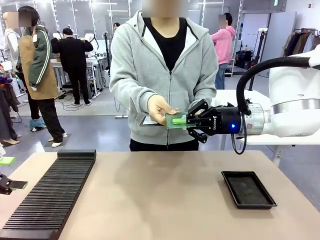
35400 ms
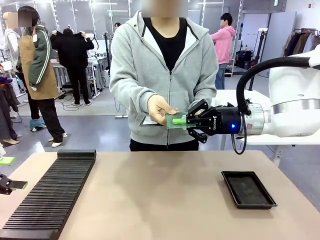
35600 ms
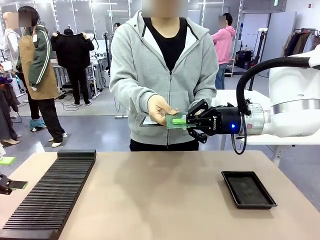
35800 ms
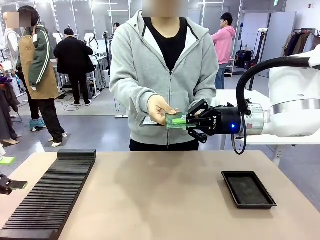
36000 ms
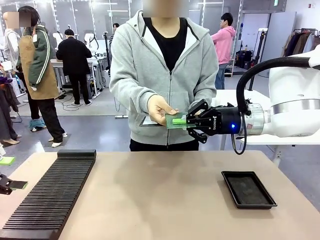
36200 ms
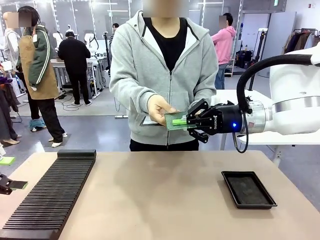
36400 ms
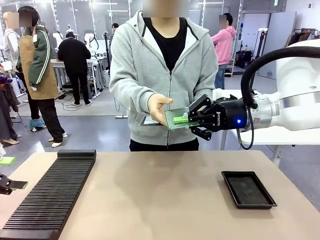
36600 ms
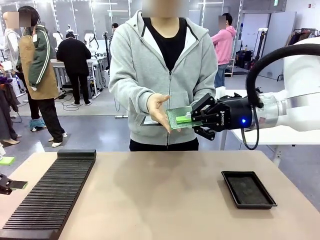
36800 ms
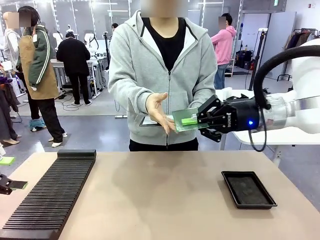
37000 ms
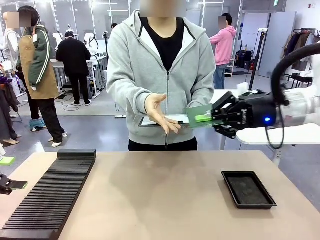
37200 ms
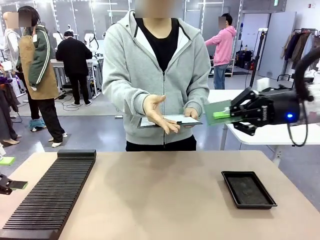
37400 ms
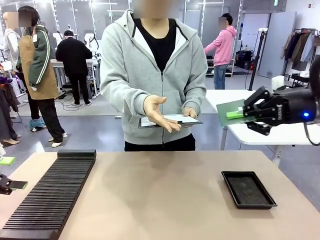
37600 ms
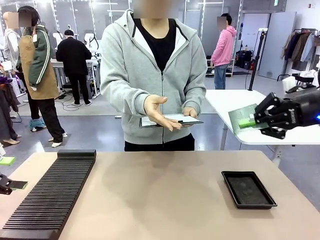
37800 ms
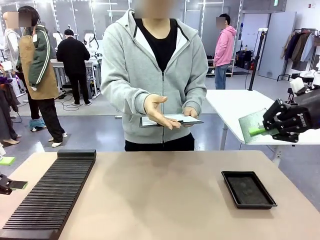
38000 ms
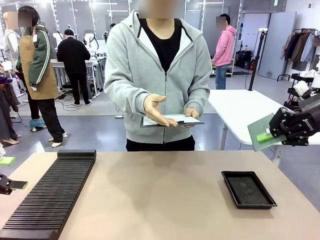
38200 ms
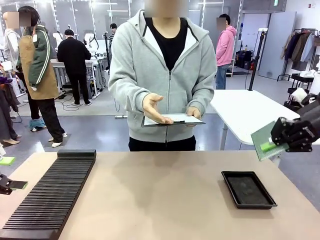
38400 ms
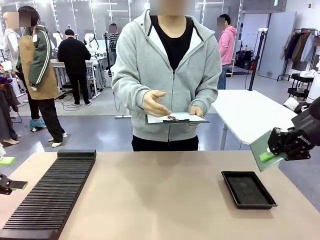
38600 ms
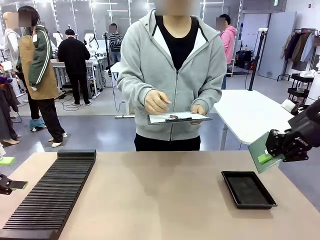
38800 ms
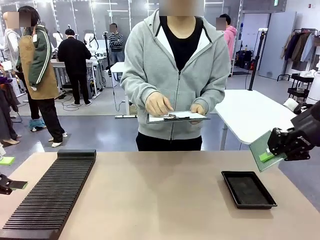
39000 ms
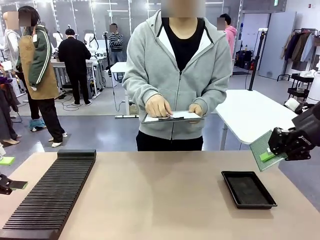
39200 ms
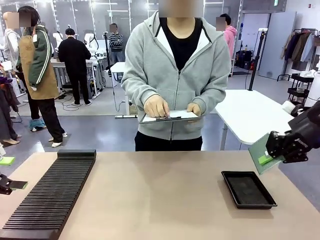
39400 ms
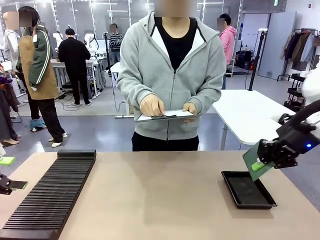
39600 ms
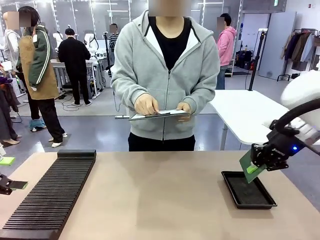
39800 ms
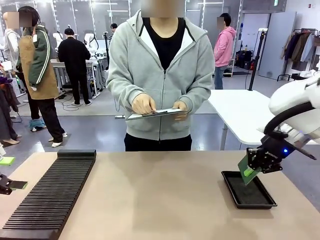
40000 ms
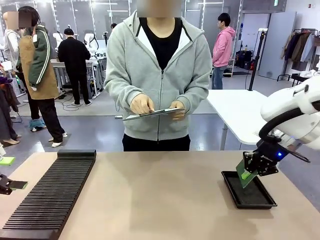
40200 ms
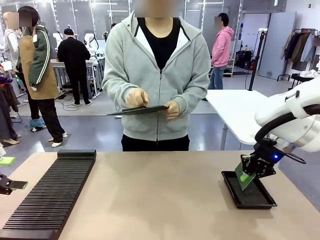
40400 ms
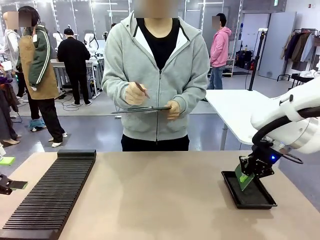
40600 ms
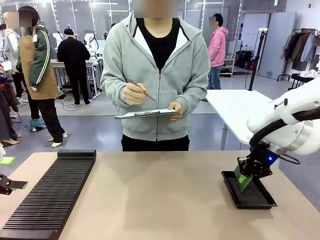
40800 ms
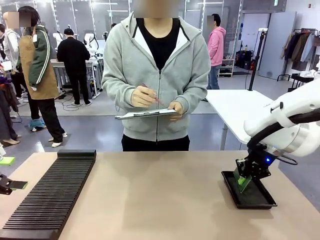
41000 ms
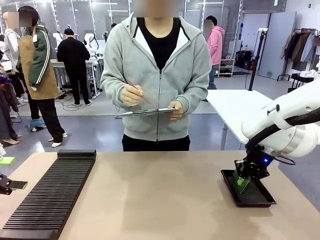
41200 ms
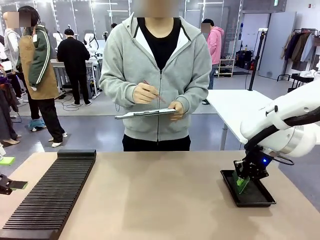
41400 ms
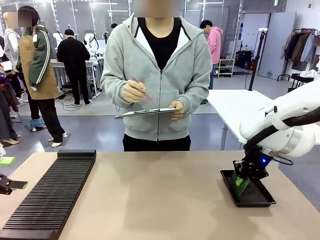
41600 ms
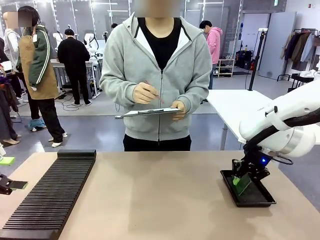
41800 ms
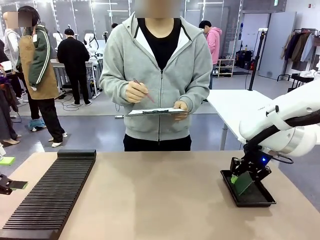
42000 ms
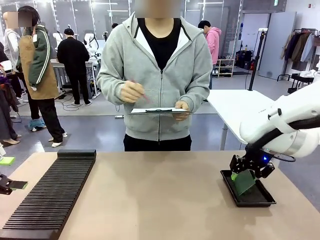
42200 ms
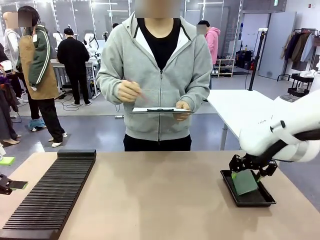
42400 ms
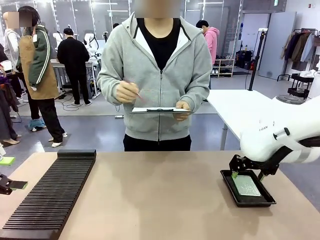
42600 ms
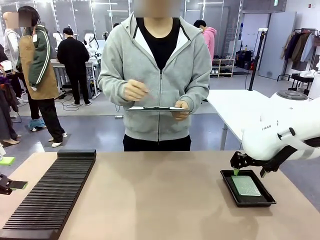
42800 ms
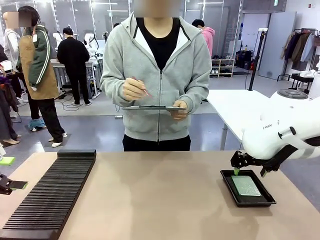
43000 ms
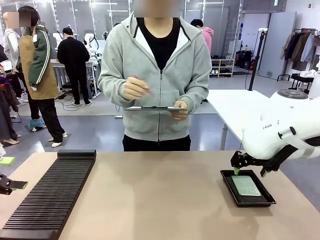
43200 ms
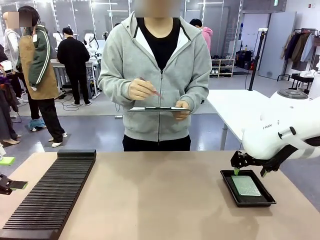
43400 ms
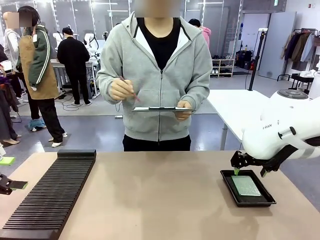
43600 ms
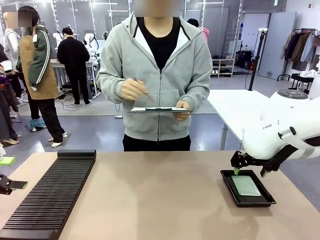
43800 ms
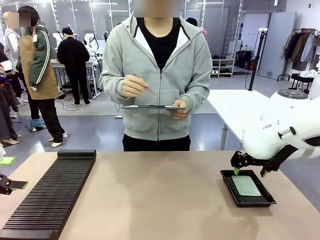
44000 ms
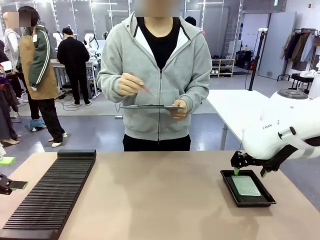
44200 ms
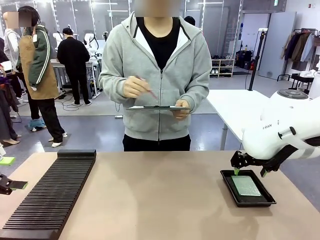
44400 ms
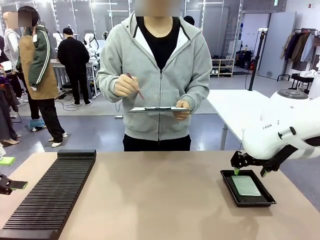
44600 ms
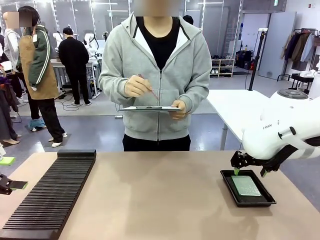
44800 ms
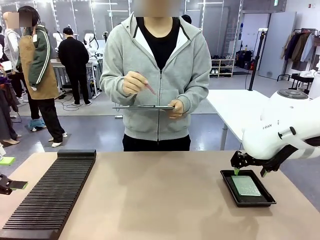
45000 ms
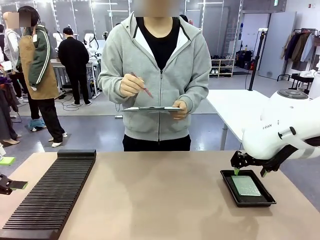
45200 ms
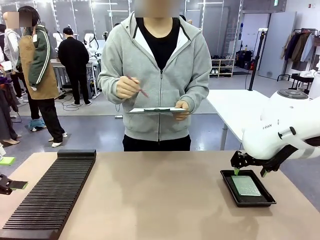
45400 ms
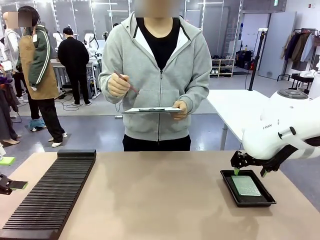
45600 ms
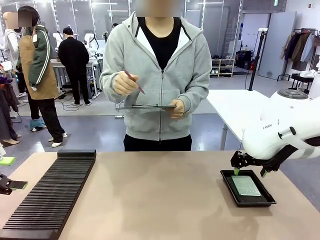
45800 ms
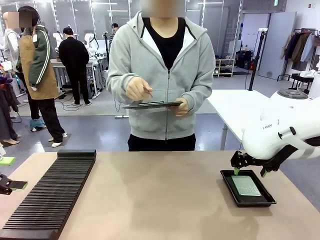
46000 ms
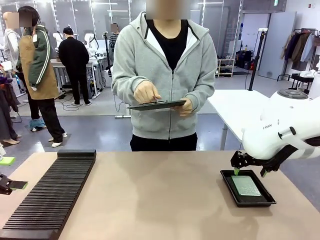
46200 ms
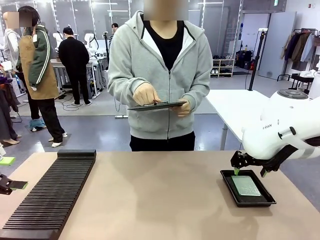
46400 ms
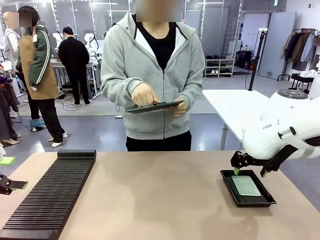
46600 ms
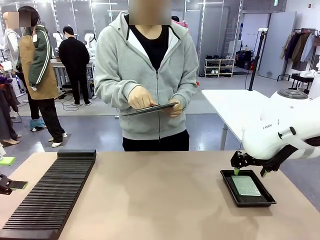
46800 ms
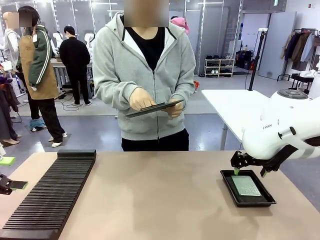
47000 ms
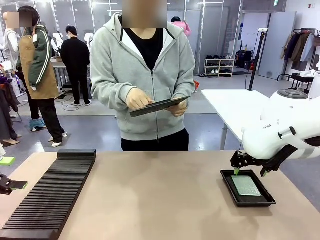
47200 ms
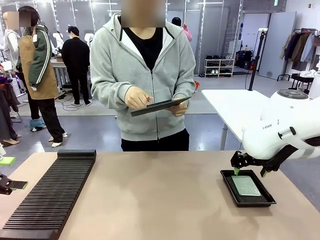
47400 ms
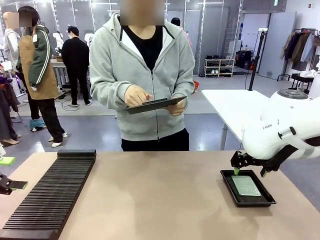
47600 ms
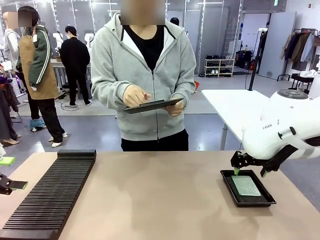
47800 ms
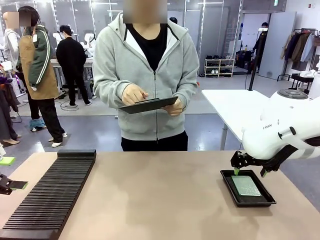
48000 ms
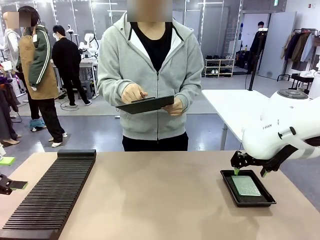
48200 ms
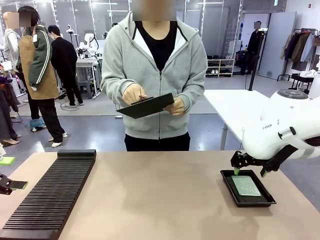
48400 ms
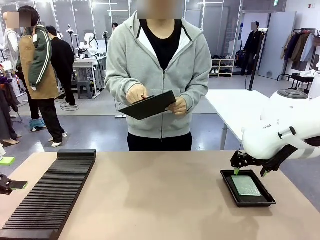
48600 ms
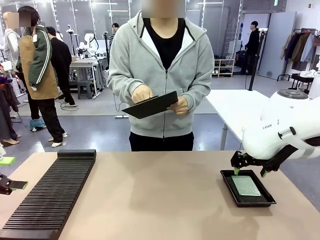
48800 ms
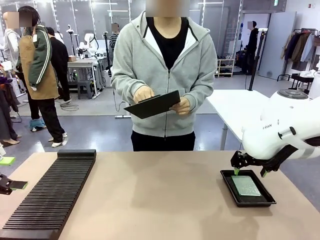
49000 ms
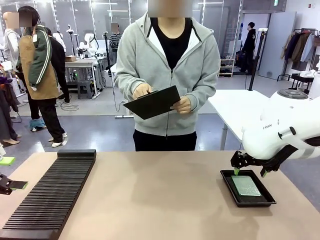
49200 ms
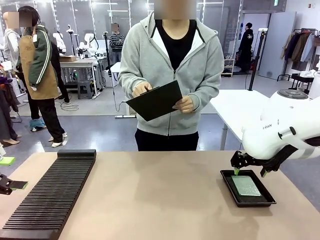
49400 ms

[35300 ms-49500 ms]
Task: Inspect the PCB.
Robot: Place the Blank PCB in the ESD tray.
Person: Record the PCB status on the paper.

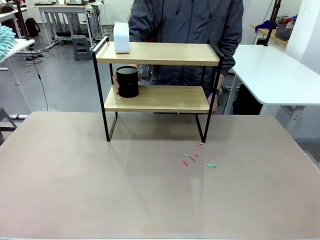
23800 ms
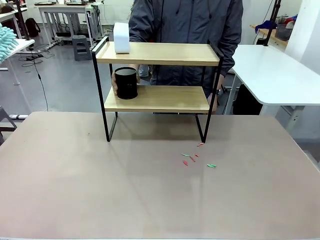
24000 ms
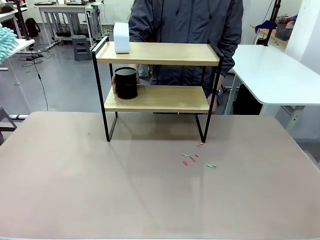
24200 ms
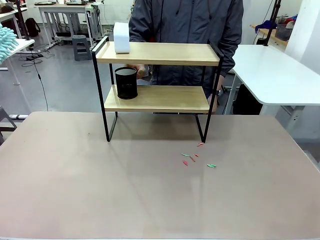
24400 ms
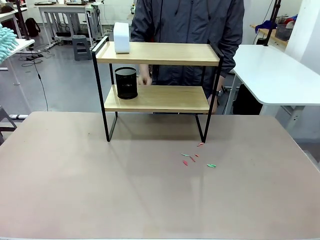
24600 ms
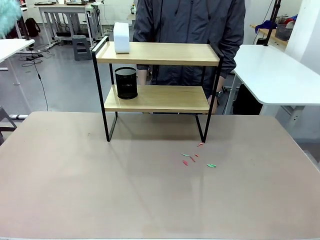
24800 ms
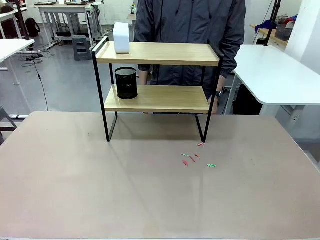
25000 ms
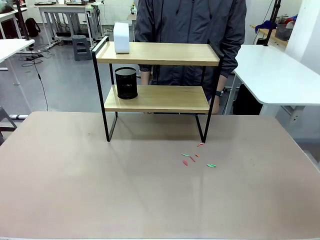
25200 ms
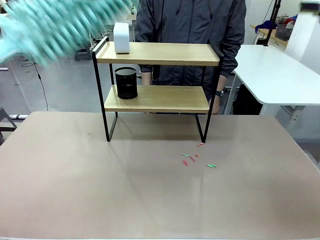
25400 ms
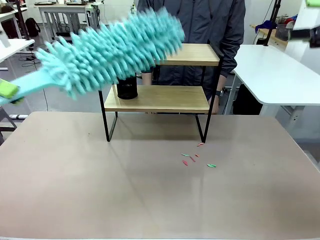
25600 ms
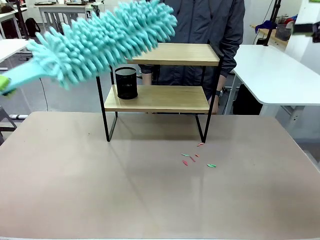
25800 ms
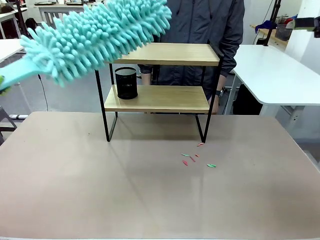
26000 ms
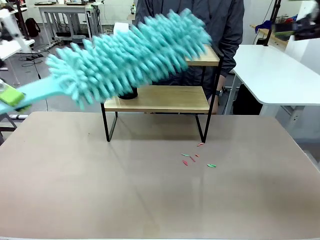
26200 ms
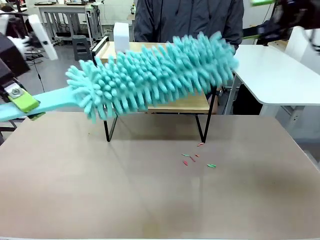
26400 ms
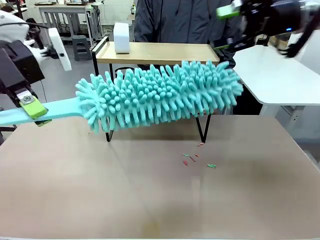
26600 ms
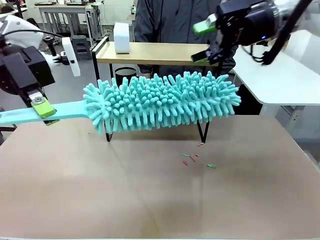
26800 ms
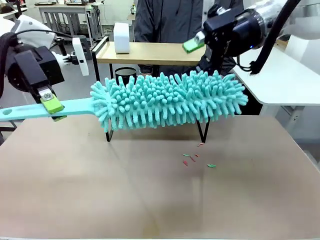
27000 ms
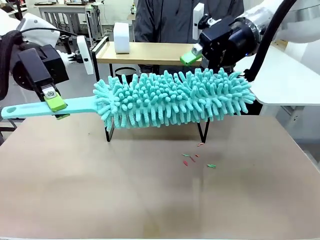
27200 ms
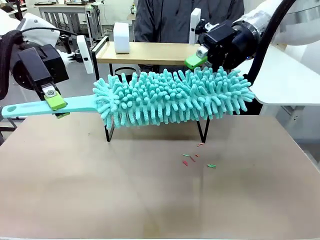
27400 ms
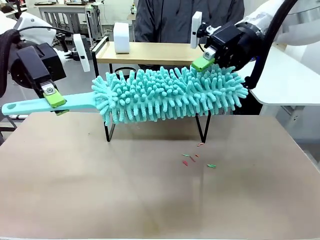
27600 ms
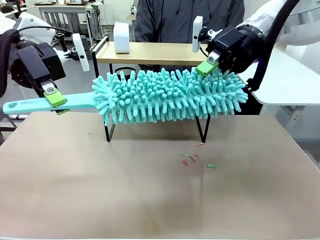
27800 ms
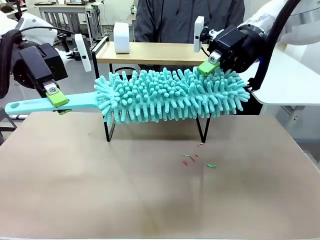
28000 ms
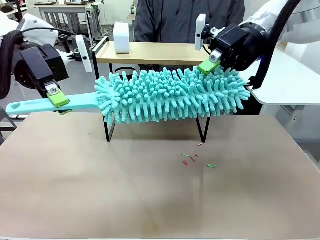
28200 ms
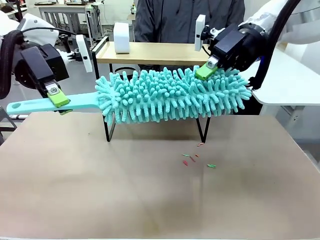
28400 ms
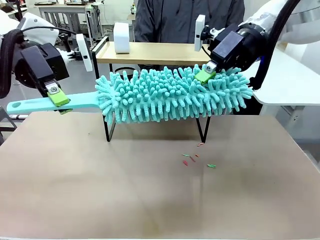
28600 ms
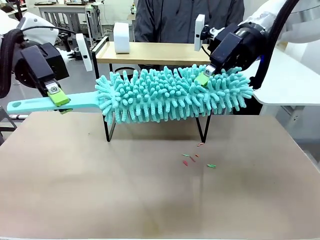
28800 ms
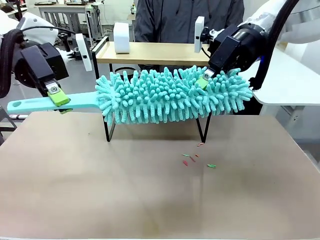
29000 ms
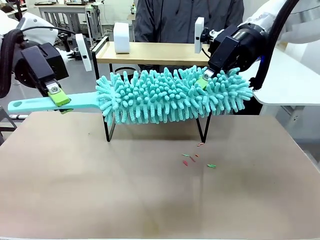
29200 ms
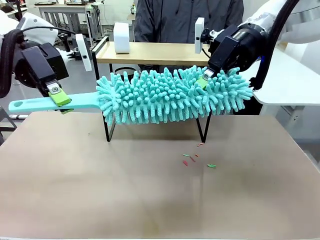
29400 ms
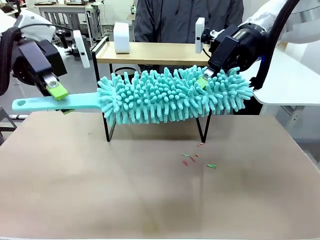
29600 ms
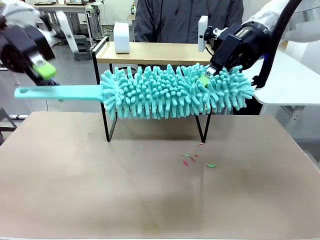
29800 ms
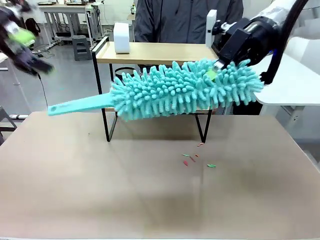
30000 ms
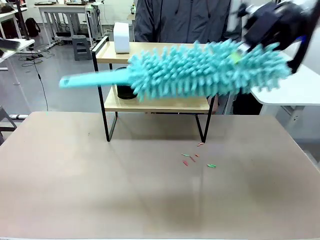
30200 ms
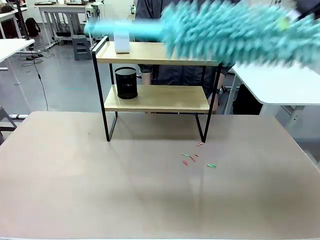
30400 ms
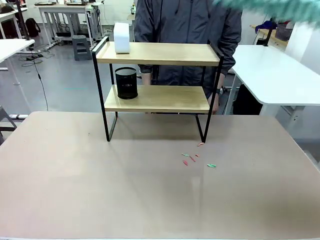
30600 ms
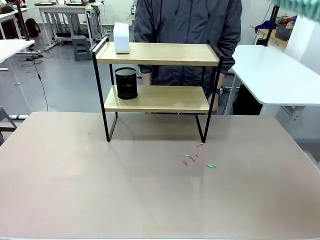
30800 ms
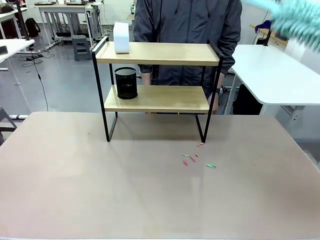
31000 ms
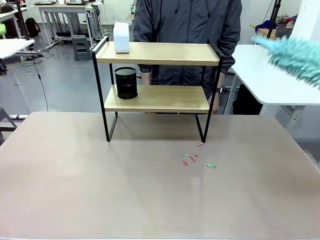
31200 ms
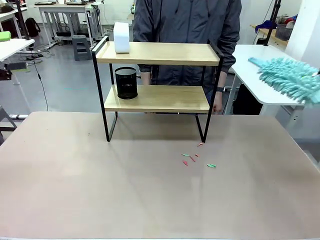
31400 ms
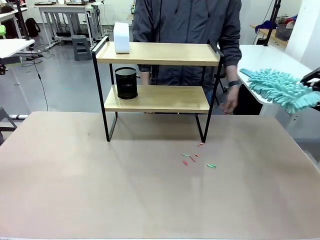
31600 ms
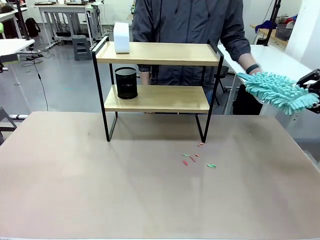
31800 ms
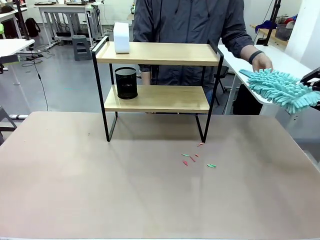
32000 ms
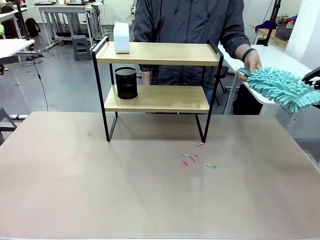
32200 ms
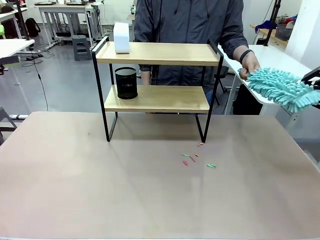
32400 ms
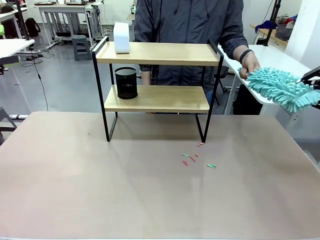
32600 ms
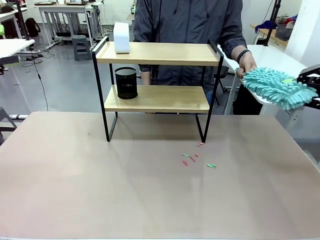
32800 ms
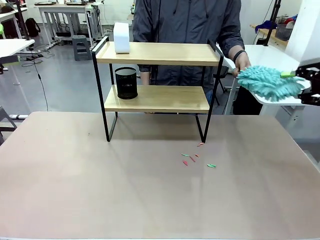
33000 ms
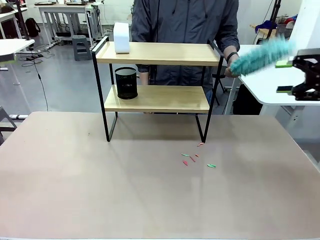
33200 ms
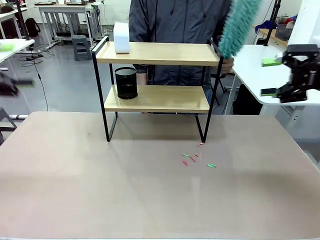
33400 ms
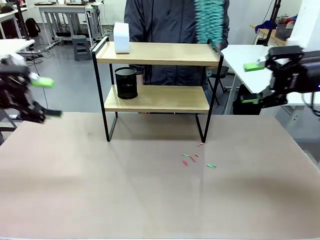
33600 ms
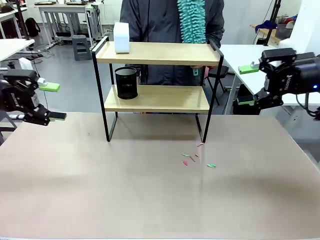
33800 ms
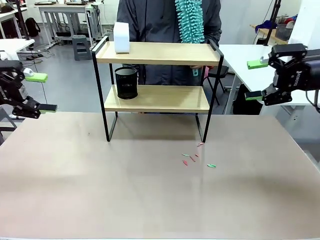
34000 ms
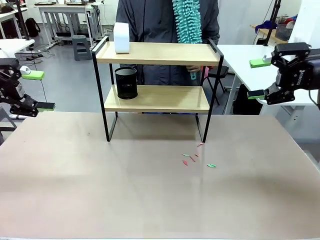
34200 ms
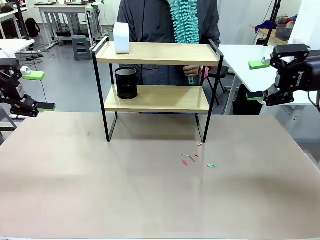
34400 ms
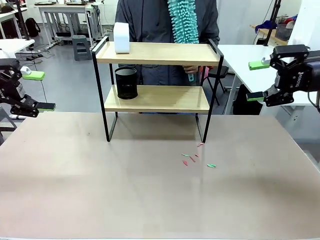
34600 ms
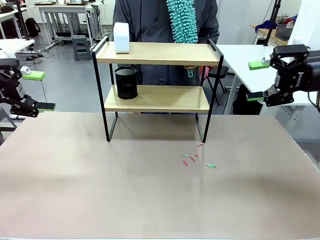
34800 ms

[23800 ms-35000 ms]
Task: Clean the shelf.
Robot: Hand the Duster back to the human.
Person: Receive the Duster from the robot.
